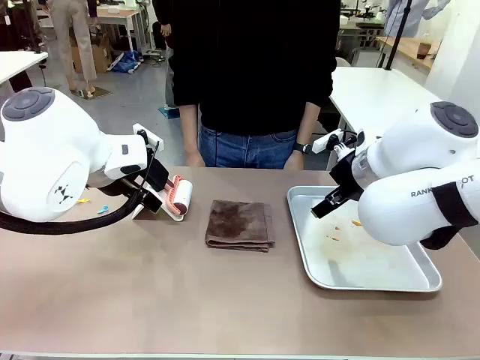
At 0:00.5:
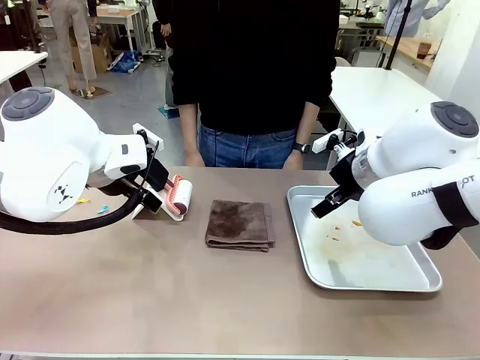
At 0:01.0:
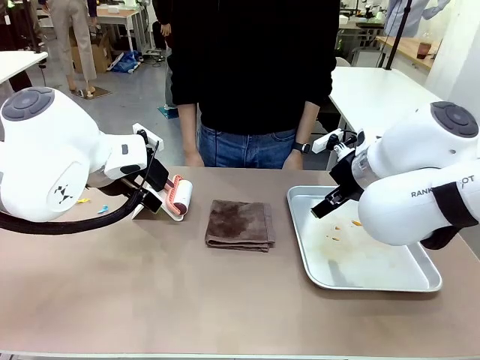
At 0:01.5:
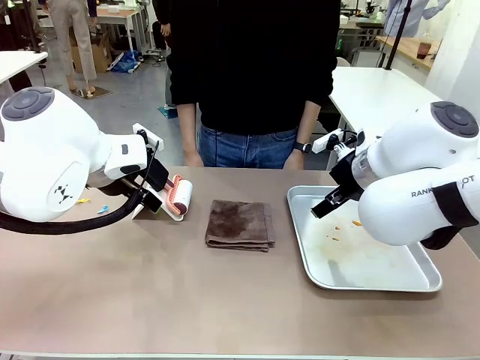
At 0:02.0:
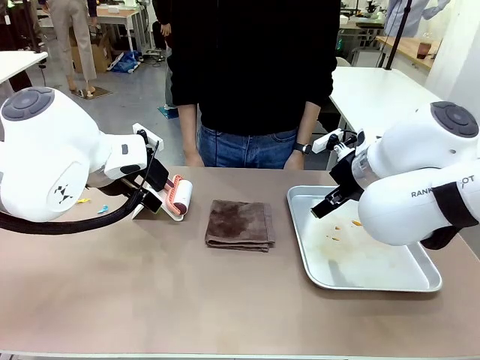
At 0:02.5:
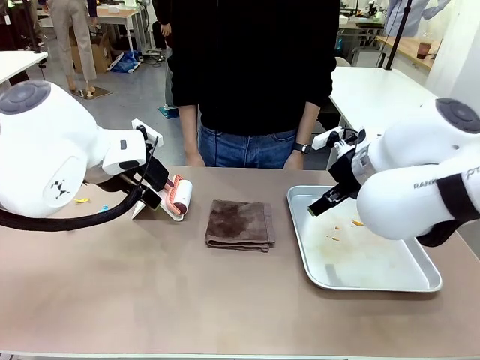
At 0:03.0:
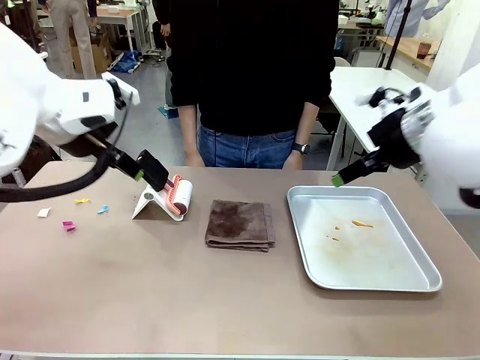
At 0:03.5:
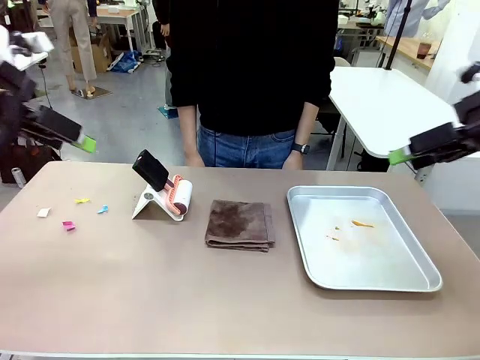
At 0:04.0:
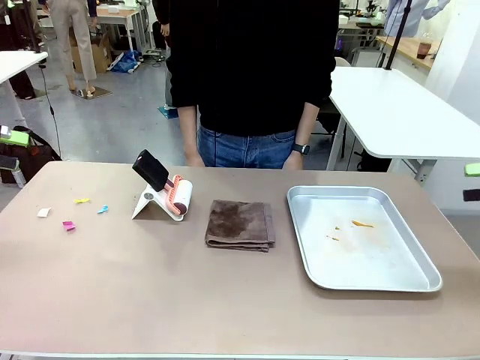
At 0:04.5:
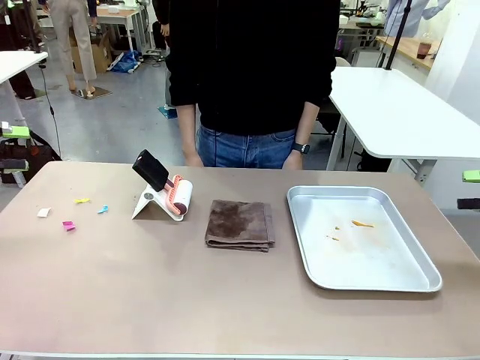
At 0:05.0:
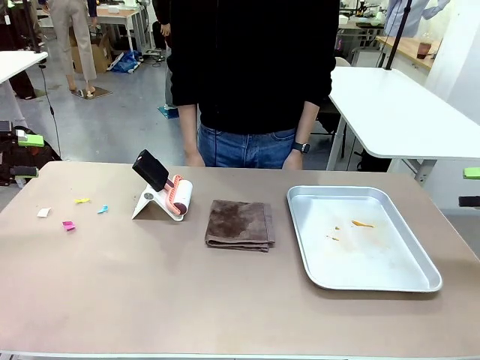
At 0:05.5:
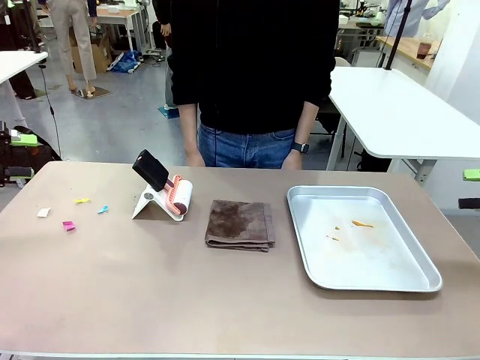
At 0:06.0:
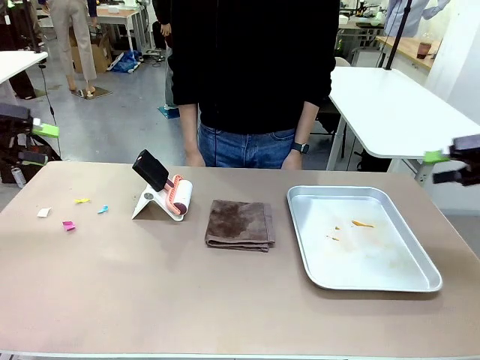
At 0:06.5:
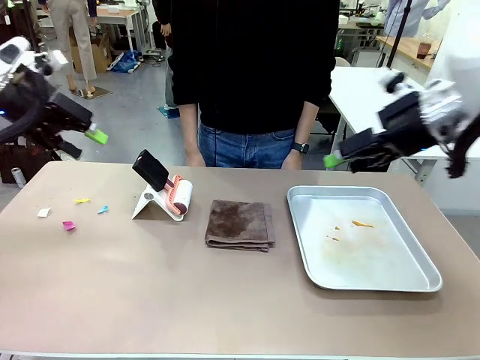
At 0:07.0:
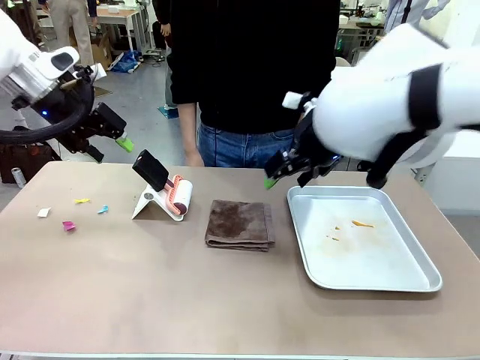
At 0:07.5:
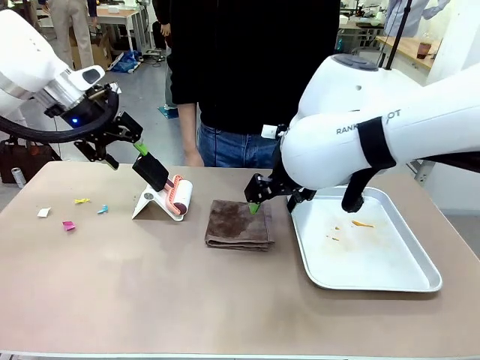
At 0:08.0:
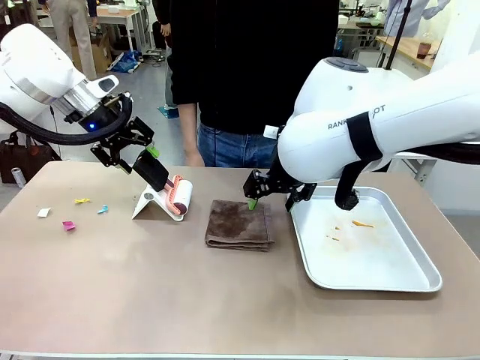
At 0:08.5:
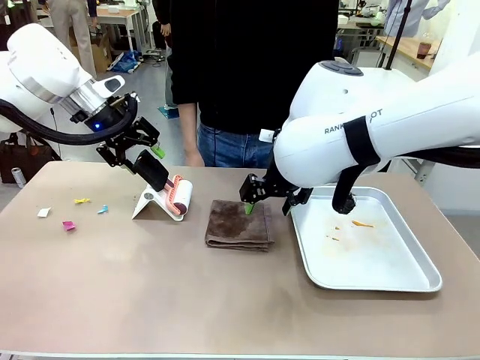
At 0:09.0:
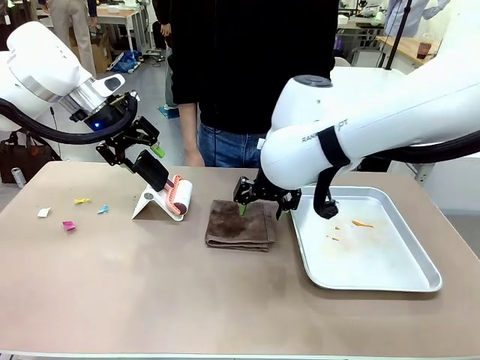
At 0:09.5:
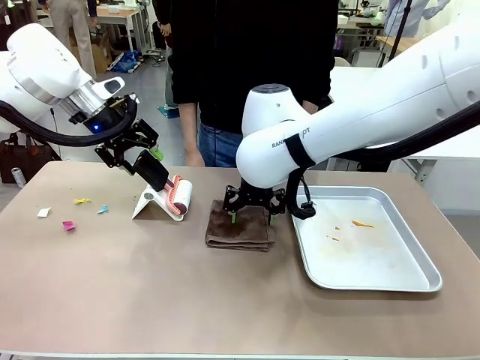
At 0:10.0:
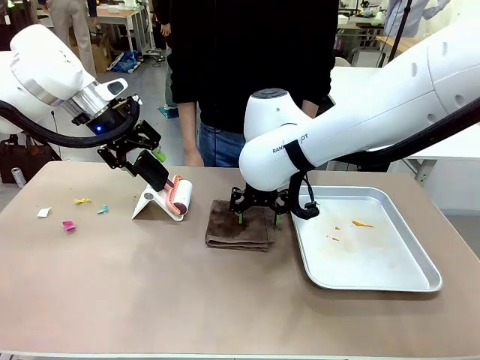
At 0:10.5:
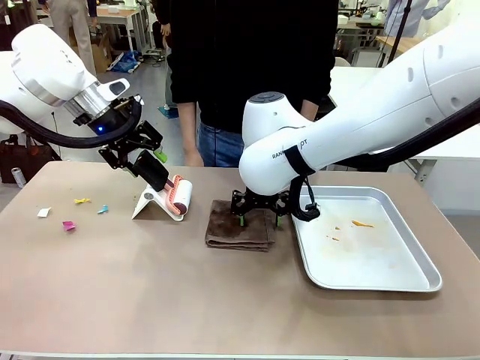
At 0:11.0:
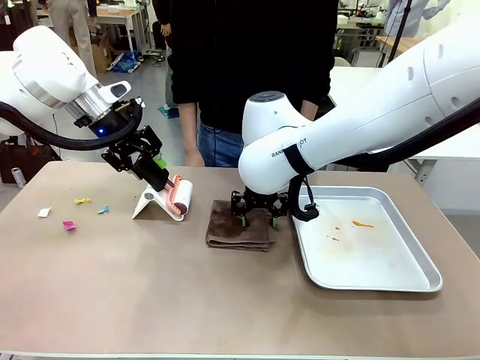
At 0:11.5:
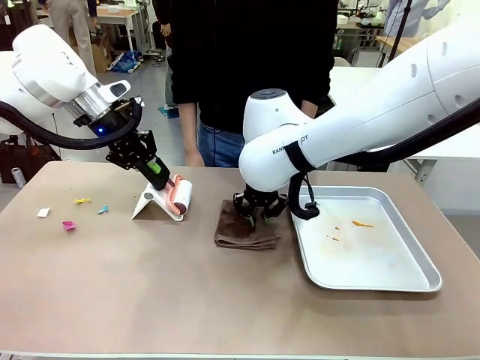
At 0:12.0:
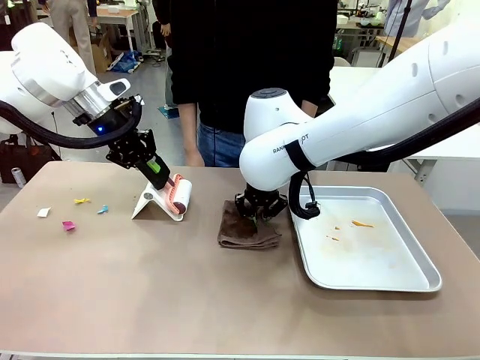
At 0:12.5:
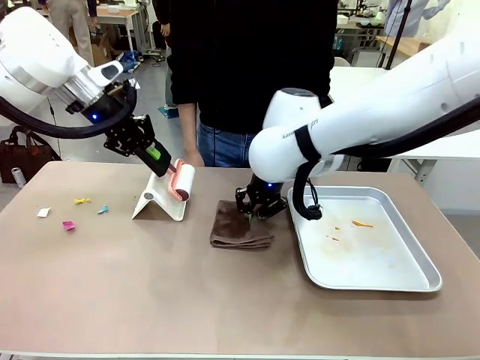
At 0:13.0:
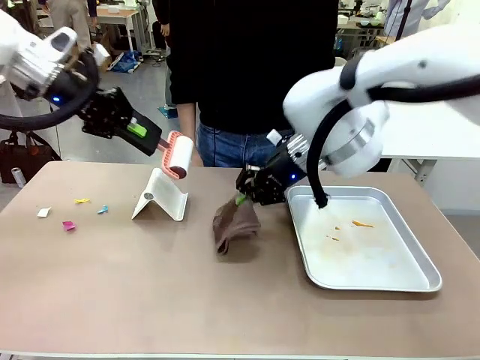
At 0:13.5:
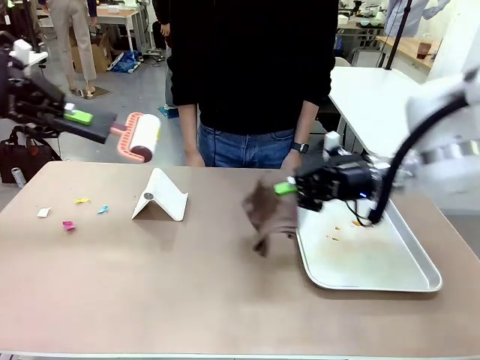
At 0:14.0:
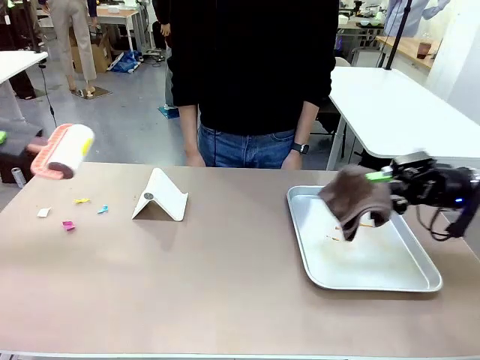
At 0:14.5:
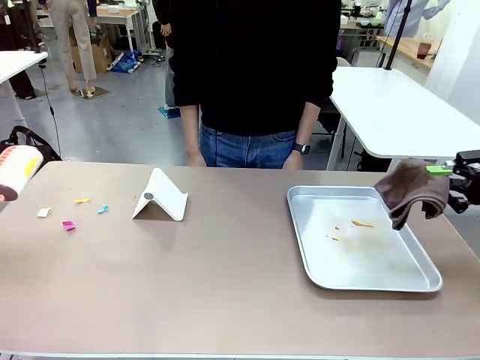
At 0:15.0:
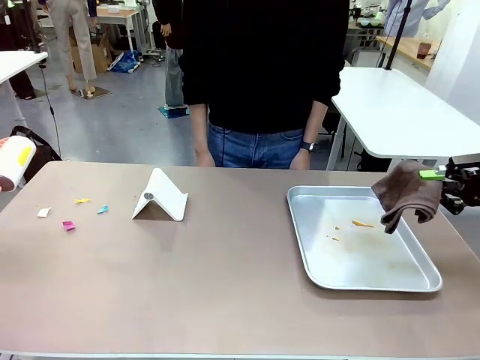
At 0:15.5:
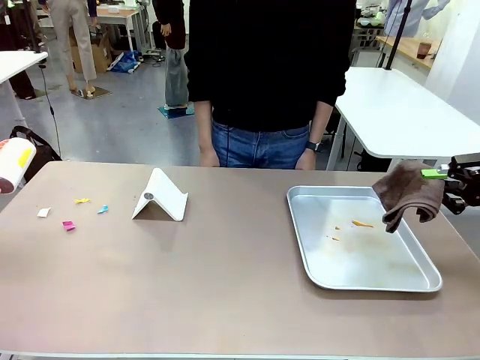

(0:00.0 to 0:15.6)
Task: Clean the surface of the table.
Robot: Hold the Lint Roller with your left hand and the towel with your right hand.

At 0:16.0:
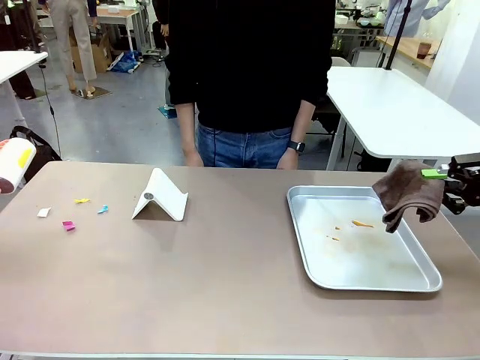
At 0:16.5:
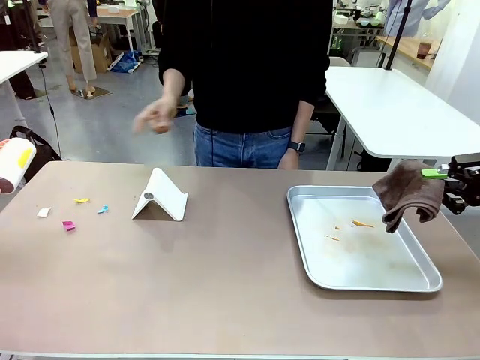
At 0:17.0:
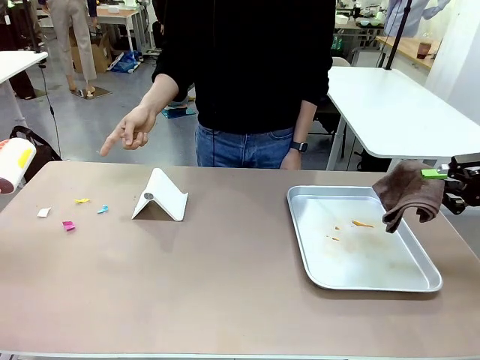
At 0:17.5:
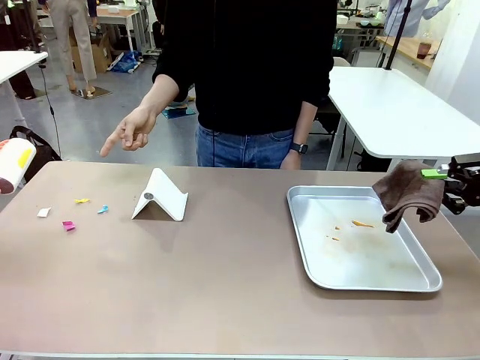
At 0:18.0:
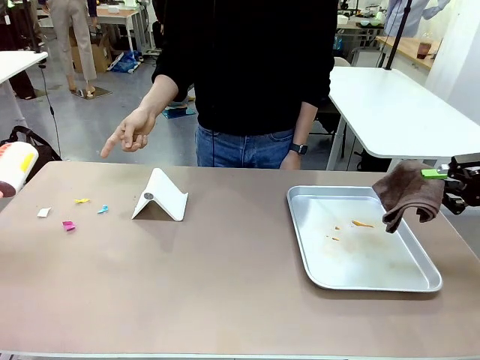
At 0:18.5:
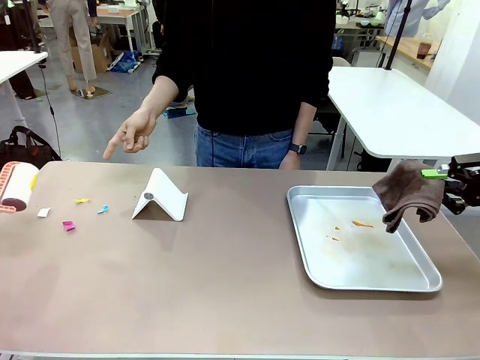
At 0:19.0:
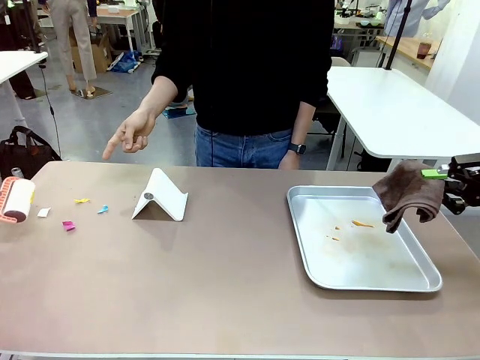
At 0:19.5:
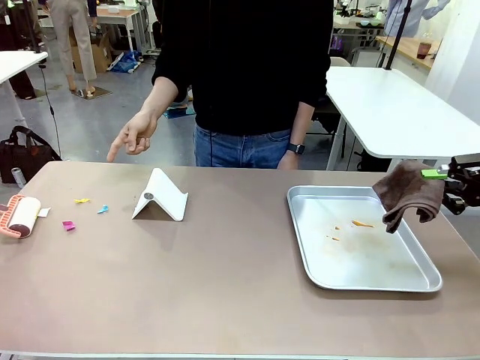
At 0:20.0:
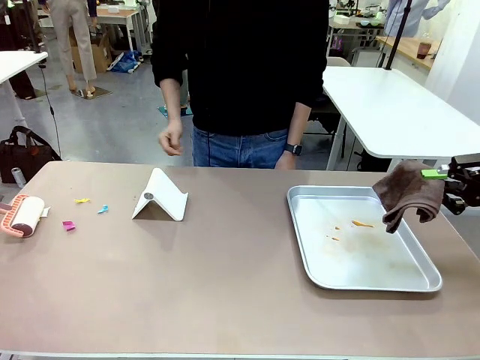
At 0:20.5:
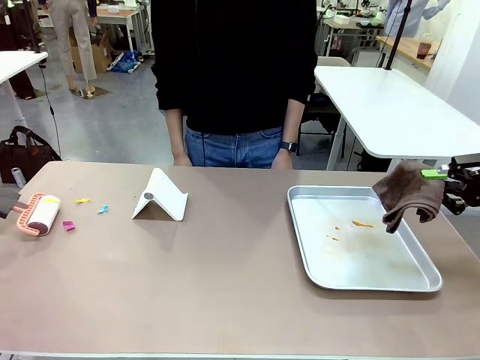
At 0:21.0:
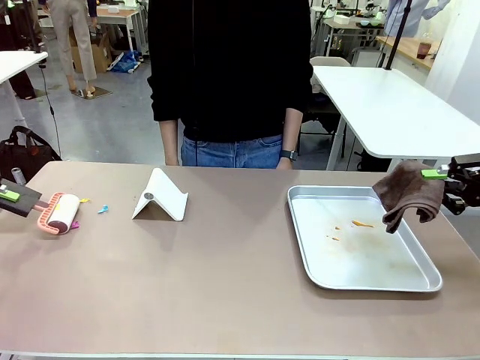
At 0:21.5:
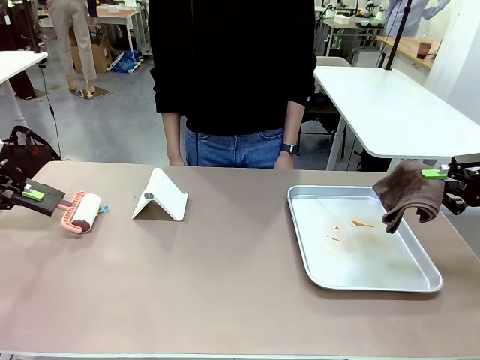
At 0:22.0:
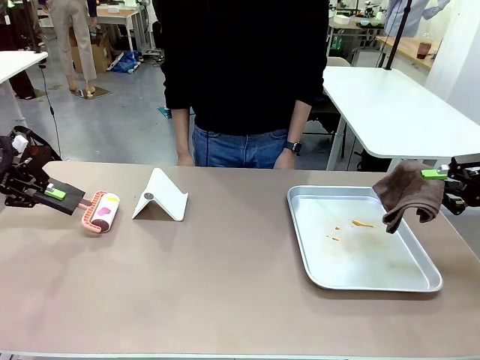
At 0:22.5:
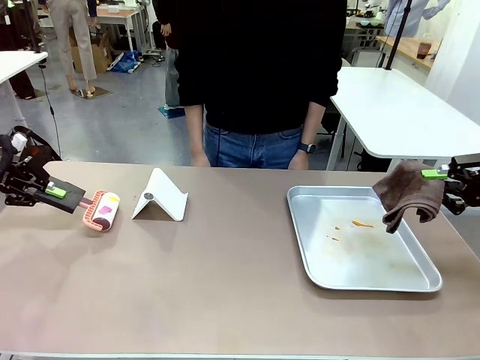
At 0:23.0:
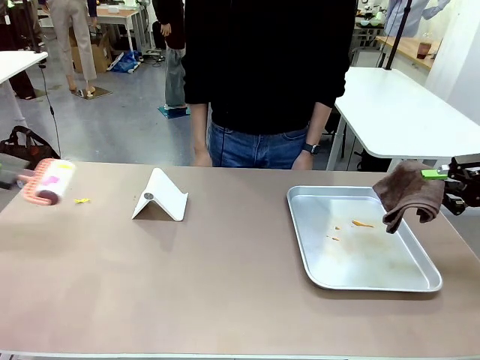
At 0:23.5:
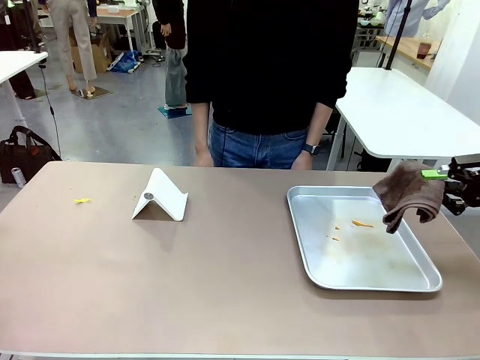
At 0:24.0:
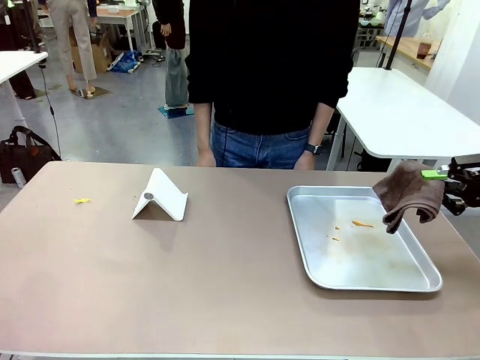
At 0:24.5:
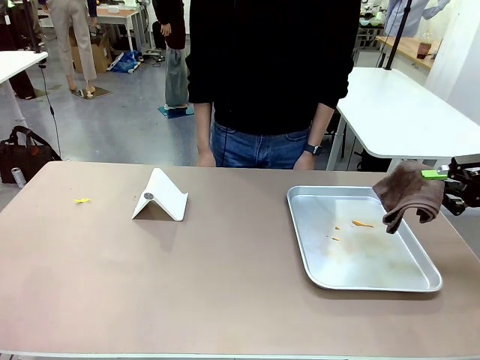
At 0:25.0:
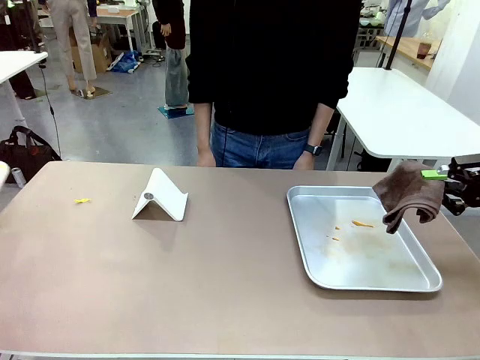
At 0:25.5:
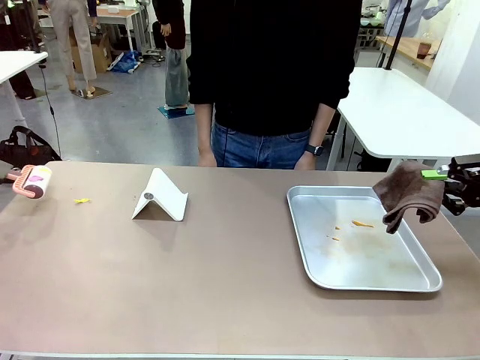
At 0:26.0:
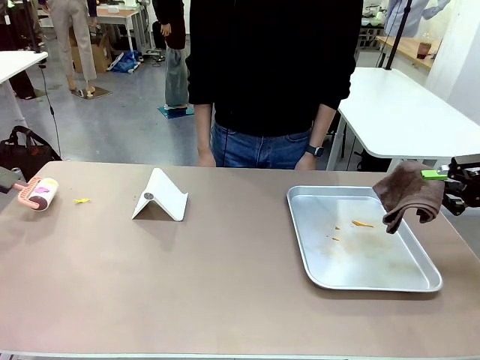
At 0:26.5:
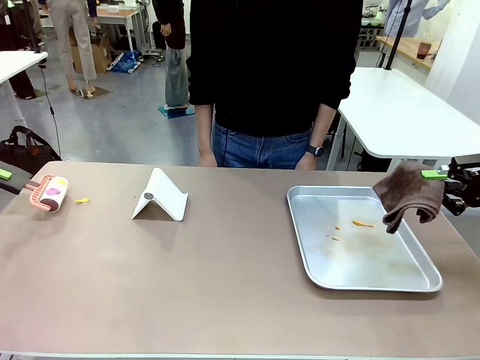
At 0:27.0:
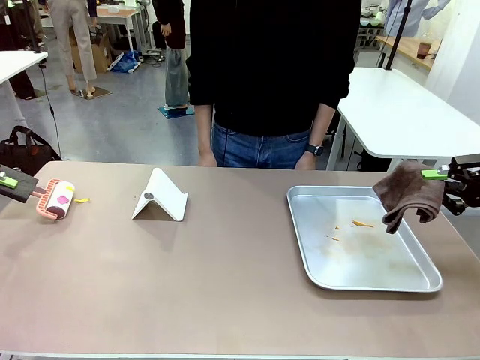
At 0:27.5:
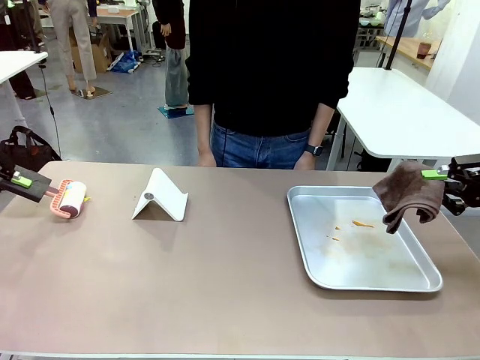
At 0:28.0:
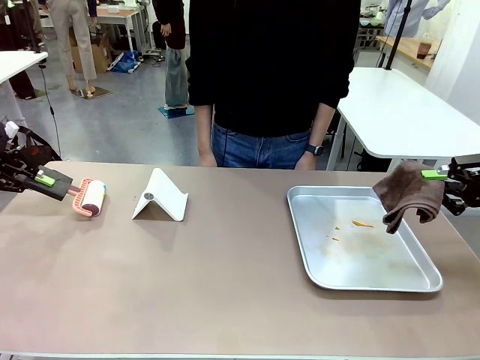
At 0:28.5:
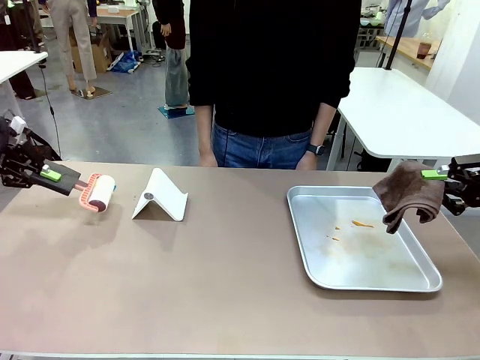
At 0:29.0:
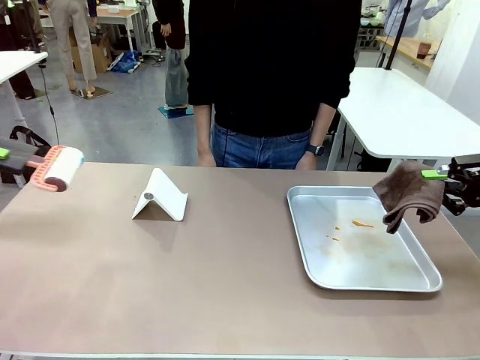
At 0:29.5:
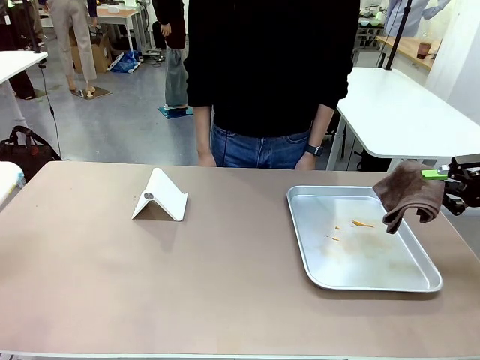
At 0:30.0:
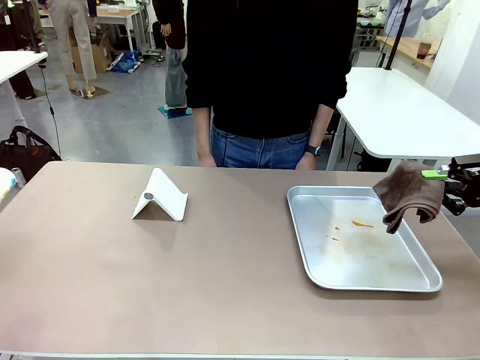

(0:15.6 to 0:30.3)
Robot: If a person points to the right, clean the right side of the table with your right hand, and if they point to the left, clean the left side with your left hand.
